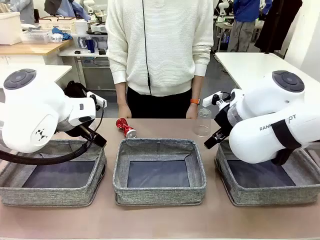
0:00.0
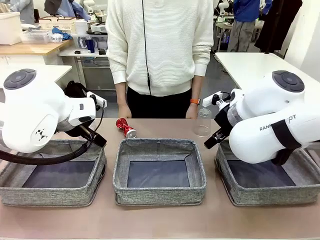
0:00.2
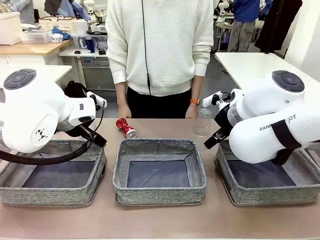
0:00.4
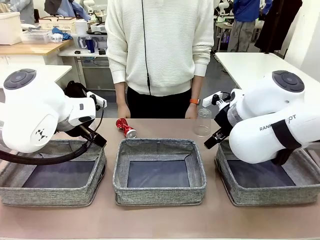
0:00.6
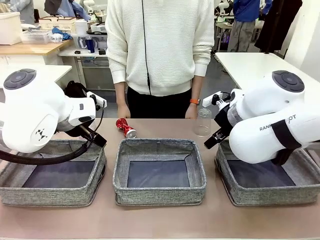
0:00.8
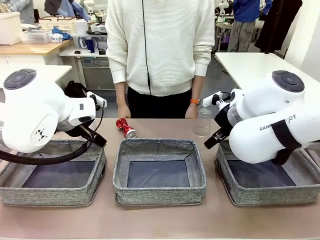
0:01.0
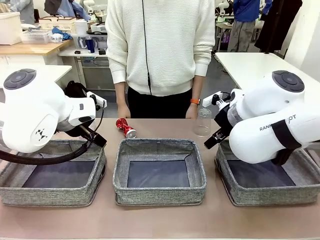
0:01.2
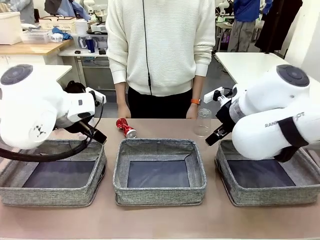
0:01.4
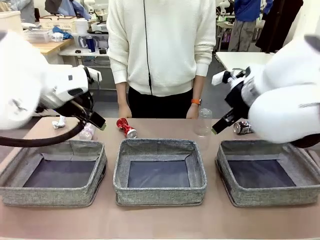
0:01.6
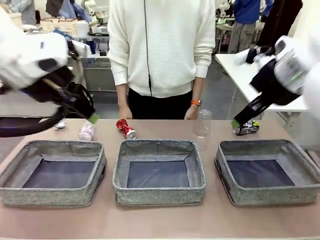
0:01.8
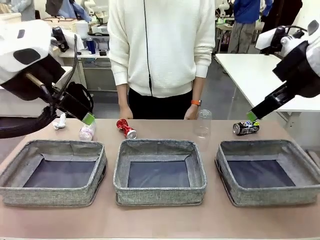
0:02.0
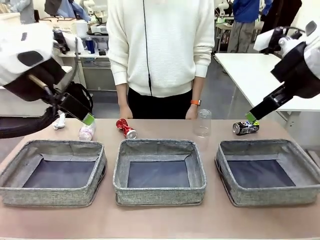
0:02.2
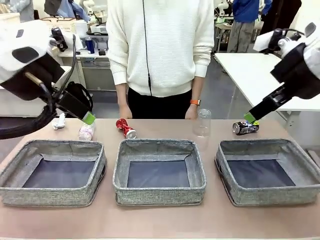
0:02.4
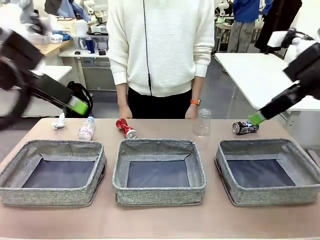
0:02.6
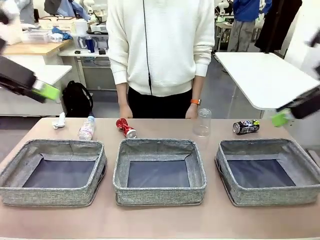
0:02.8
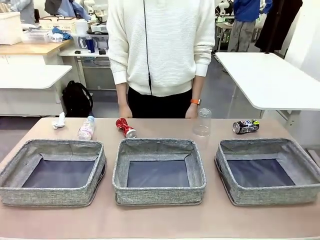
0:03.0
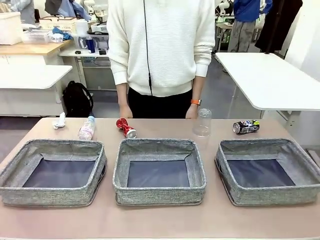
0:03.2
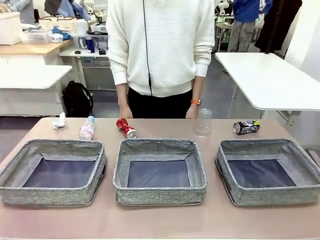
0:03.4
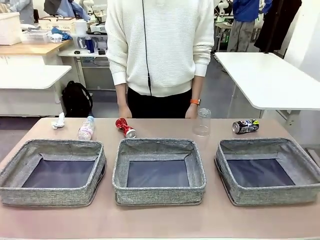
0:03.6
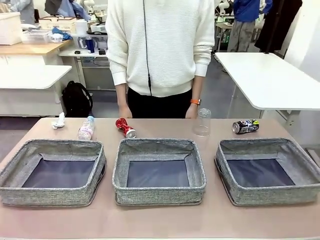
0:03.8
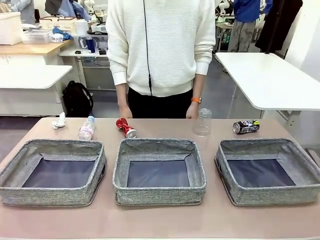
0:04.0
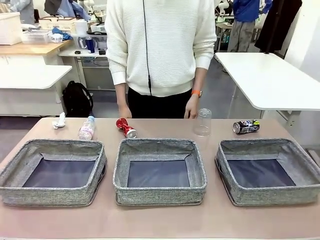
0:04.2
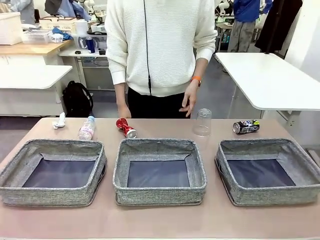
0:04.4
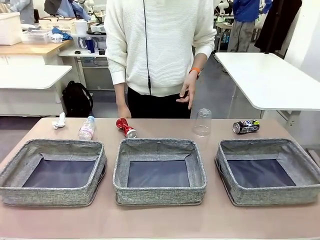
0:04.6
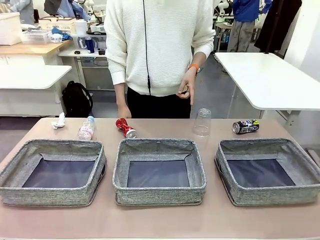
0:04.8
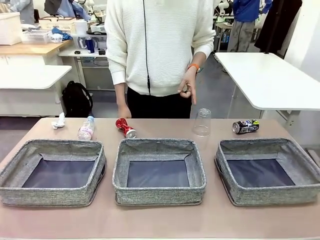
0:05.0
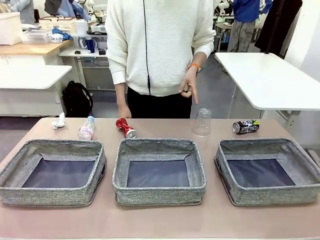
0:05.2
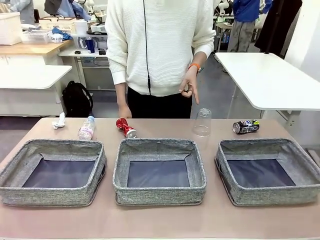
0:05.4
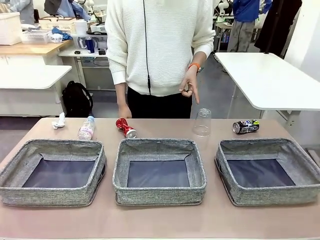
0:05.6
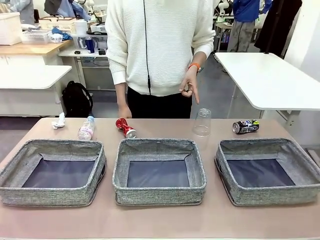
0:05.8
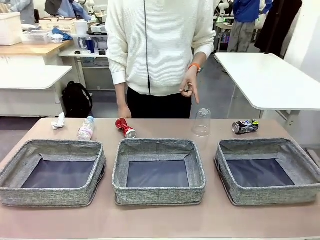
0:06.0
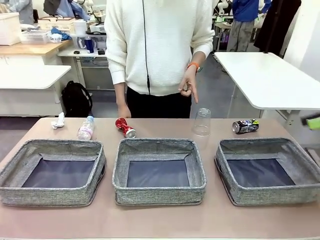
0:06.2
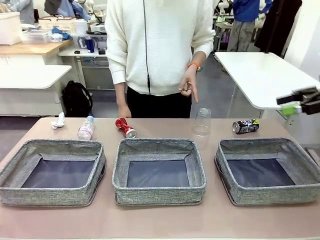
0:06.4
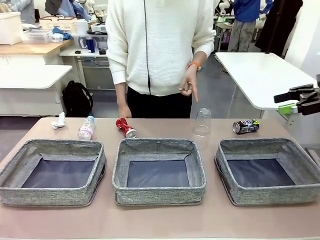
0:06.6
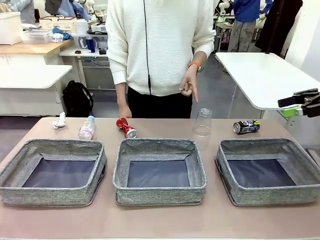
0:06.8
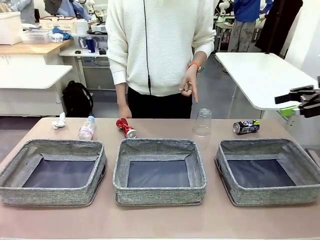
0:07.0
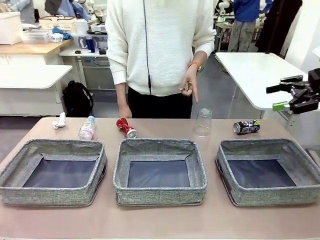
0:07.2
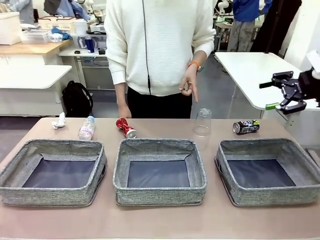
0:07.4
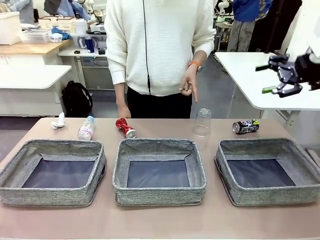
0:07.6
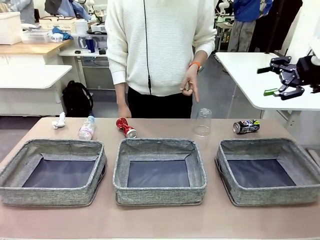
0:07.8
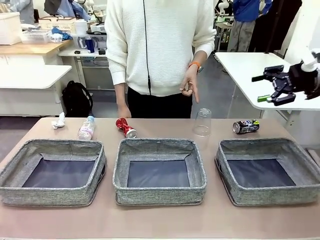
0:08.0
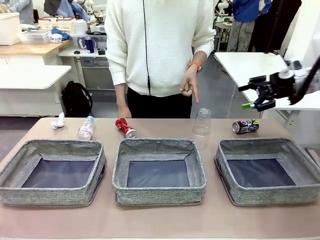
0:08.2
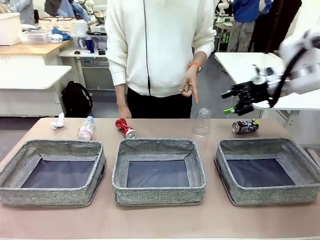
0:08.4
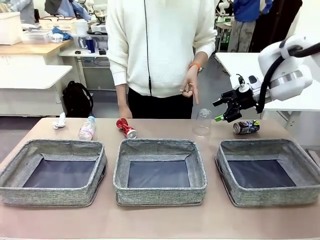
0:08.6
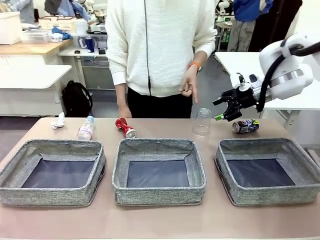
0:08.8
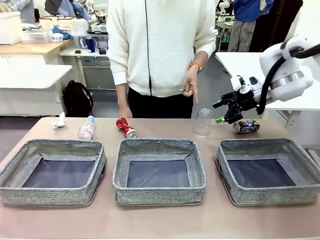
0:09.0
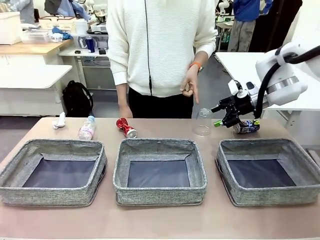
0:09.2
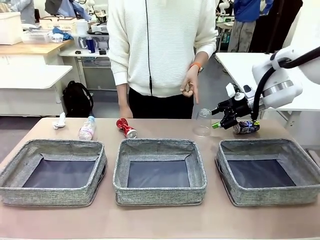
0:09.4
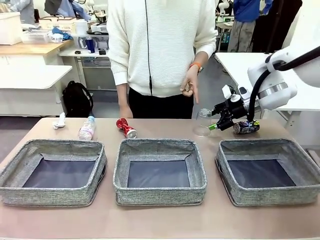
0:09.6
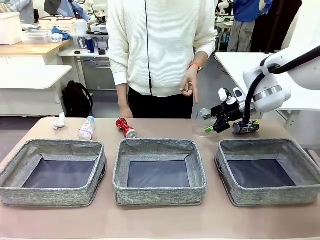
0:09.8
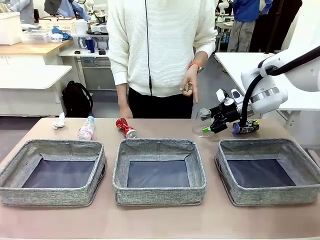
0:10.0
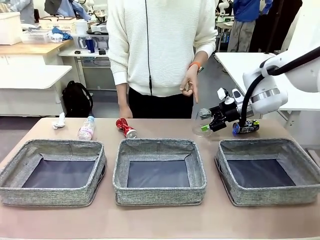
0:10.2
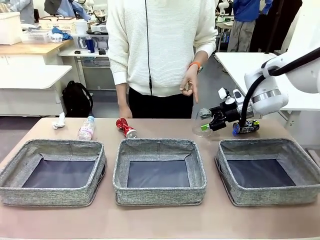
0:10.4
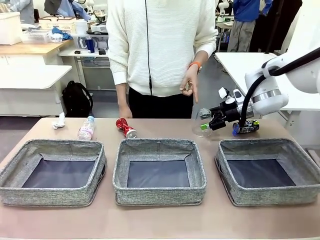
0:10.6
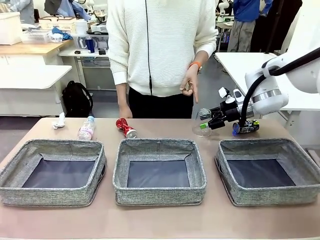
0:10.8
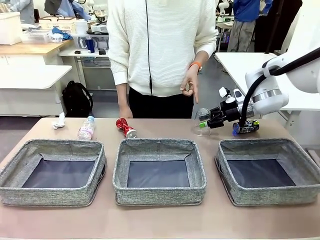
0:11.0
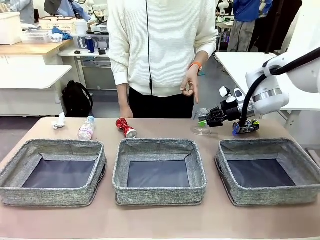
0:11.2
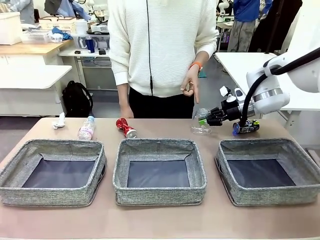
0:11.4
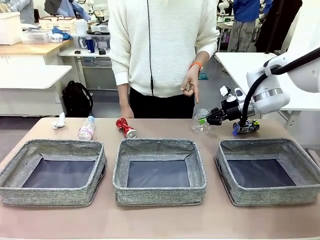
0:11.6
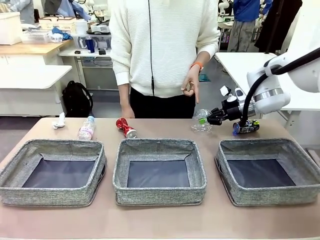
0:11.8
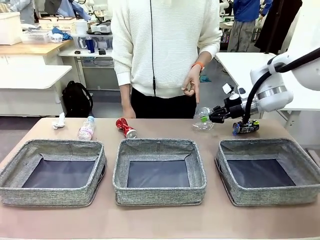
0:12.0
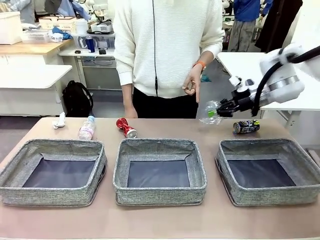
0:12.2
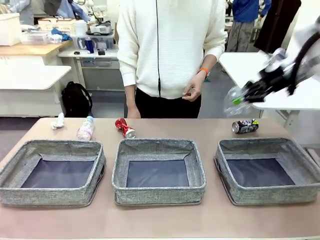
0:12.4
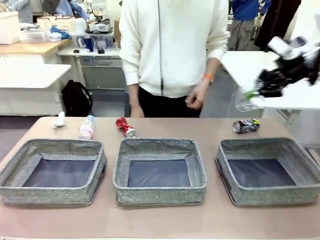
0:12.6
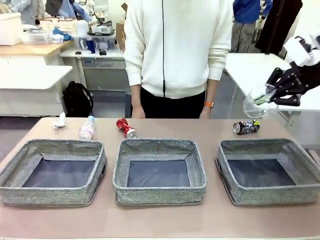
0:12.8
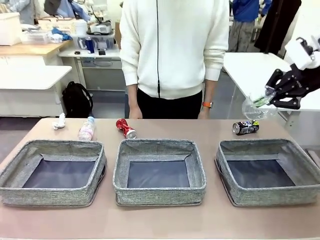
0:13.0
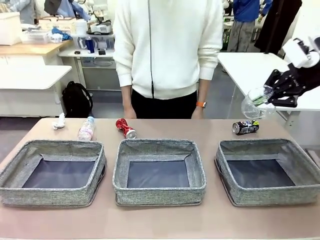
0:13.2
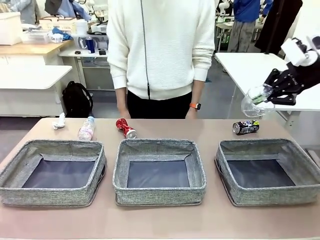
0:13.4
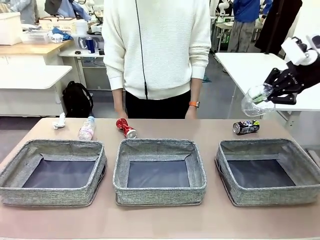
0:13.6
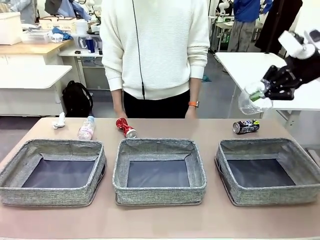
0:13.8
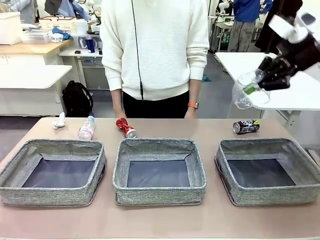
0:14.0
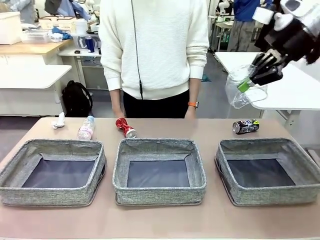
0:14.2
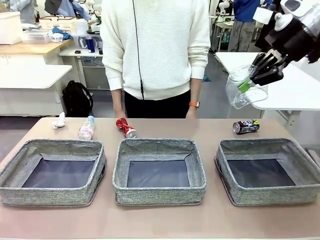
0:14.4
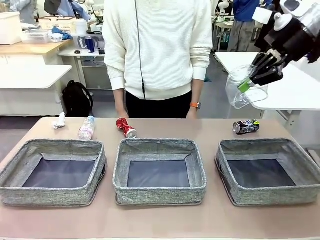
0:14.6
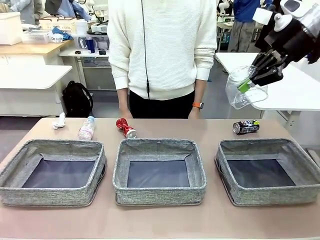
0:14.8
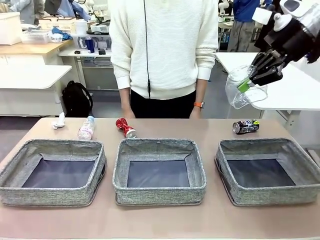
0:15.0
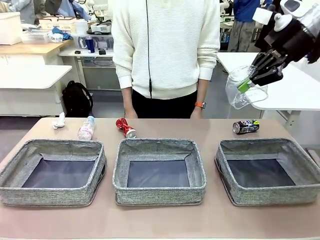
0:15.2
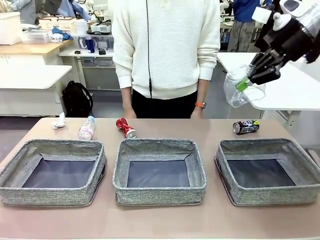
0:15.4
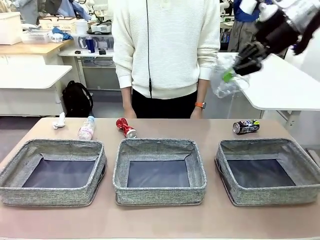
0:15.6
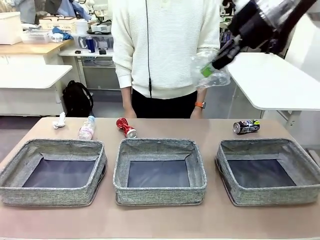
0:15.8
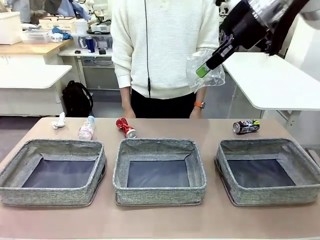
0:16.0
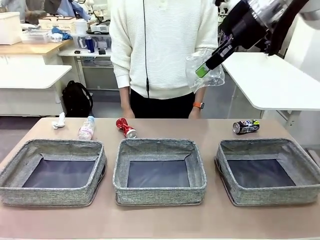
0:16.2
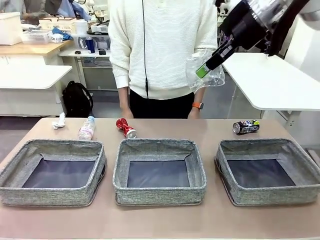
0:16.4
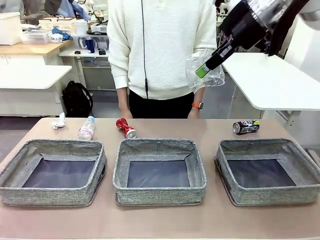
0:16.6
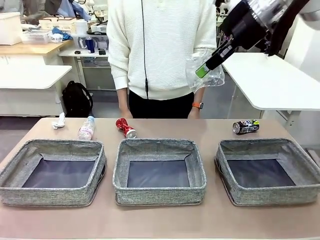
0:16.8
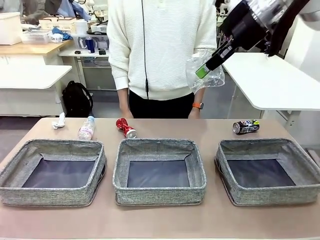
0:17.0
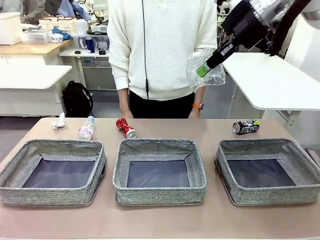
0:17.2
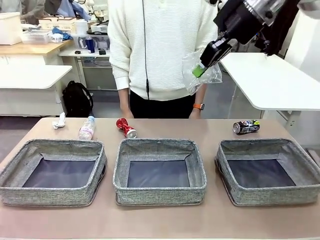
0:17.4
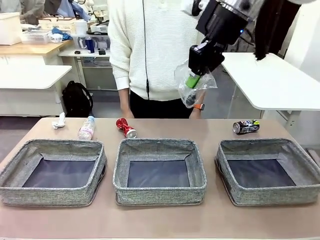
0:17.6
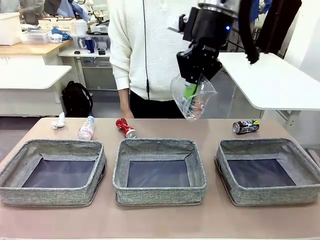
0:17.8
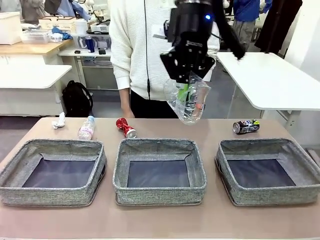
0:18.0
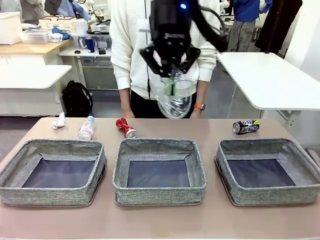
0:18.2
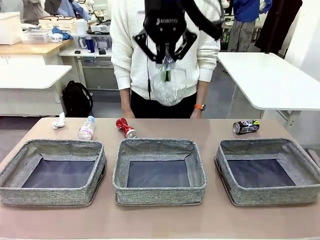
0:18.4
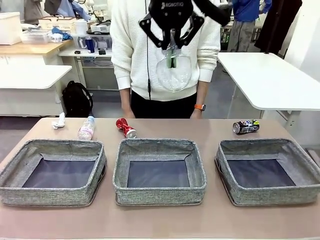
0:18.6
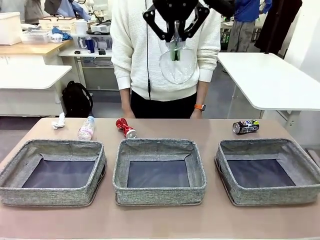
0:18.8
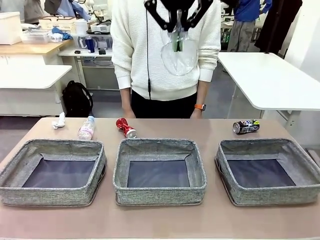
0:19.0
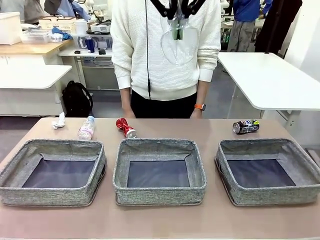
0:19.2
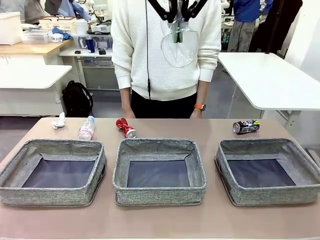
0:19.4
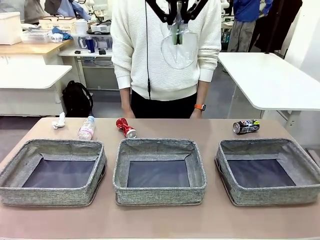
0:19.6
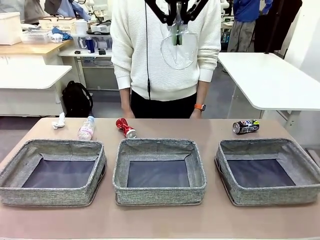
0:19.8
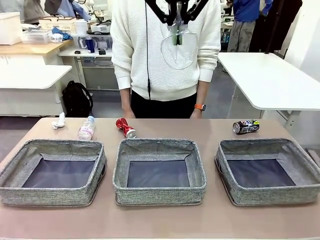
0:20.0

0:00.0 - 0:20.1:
Task: Sort the waste into the appropriate baskets.
Robot: Pick up the waste item pointed out by the person.
Person: Points to one piece of trash on the table.
